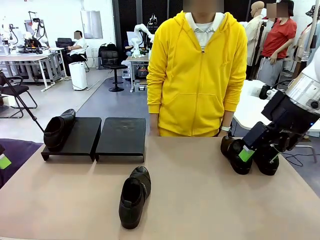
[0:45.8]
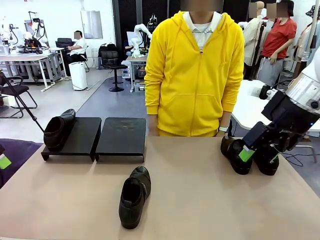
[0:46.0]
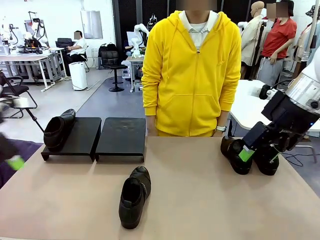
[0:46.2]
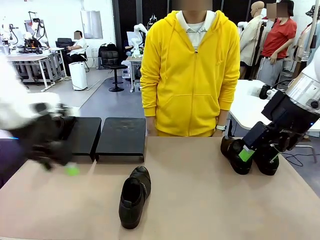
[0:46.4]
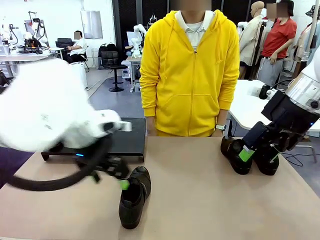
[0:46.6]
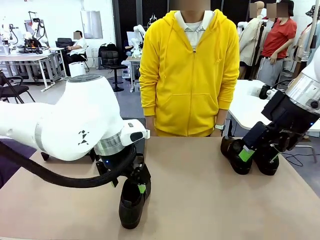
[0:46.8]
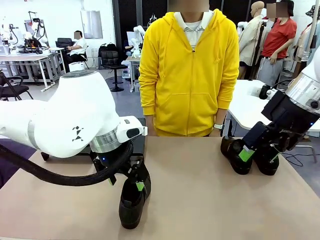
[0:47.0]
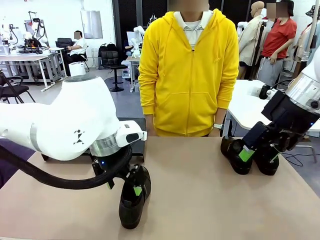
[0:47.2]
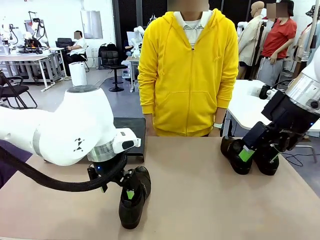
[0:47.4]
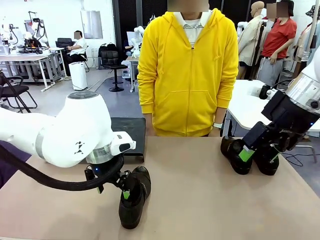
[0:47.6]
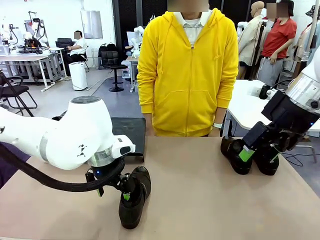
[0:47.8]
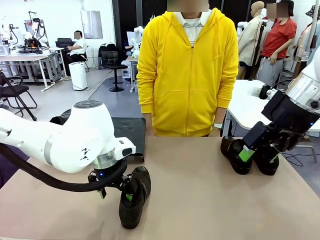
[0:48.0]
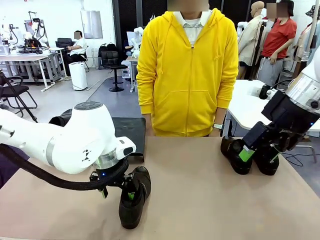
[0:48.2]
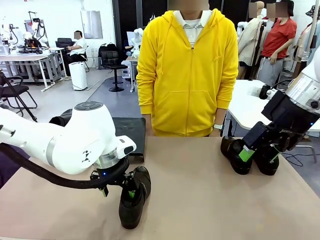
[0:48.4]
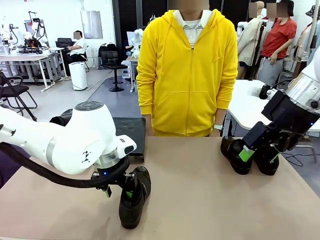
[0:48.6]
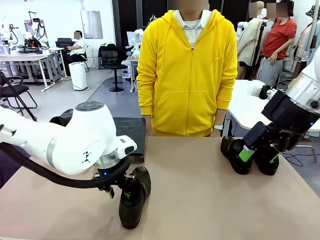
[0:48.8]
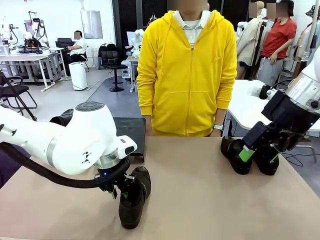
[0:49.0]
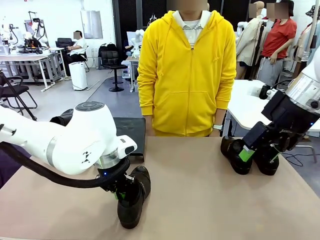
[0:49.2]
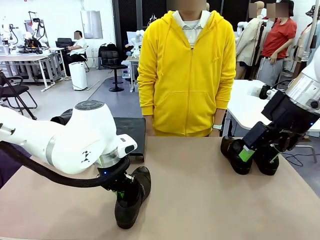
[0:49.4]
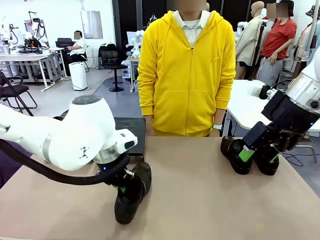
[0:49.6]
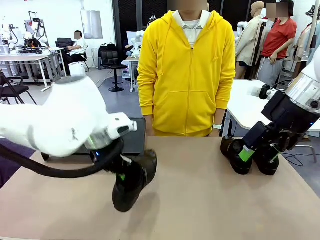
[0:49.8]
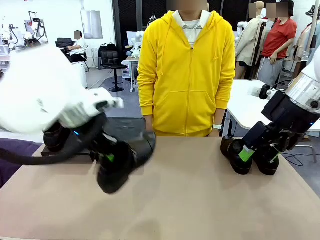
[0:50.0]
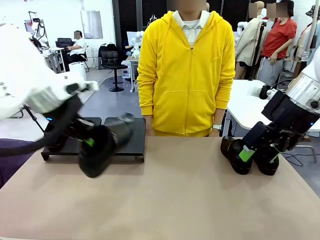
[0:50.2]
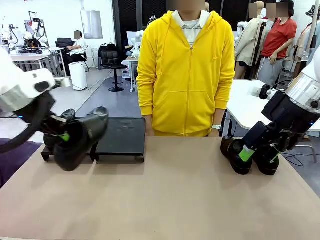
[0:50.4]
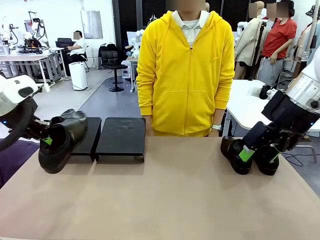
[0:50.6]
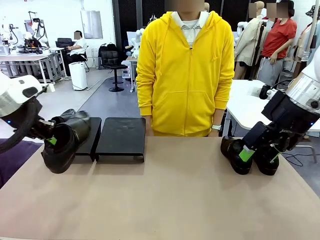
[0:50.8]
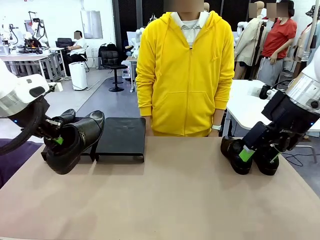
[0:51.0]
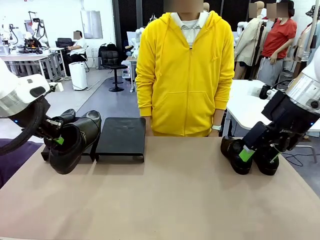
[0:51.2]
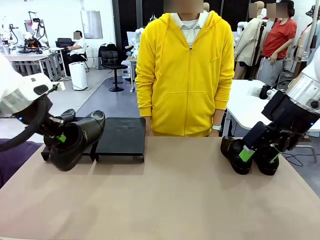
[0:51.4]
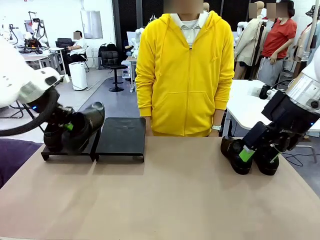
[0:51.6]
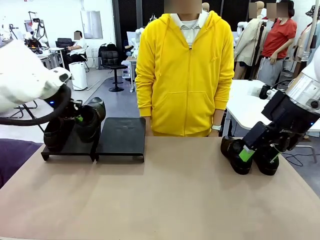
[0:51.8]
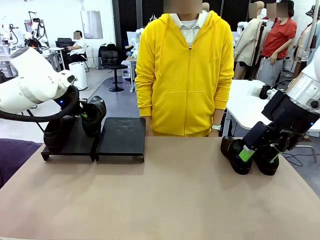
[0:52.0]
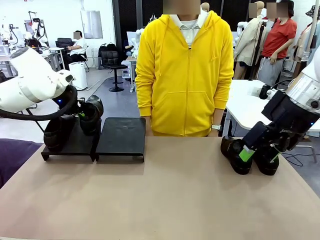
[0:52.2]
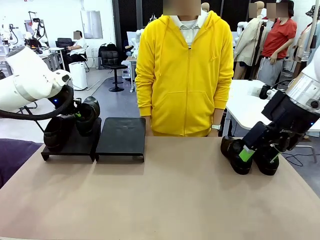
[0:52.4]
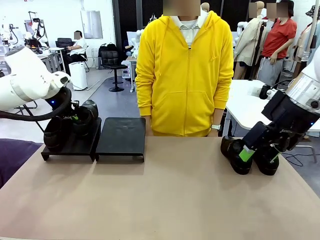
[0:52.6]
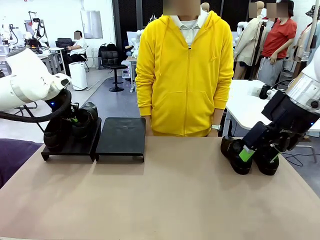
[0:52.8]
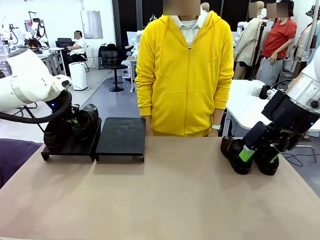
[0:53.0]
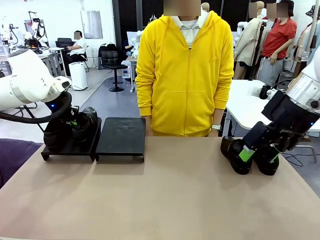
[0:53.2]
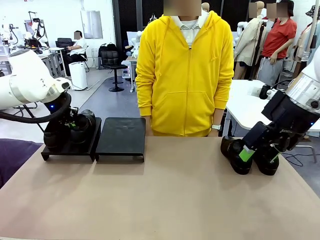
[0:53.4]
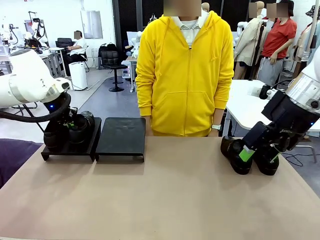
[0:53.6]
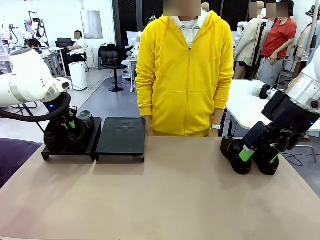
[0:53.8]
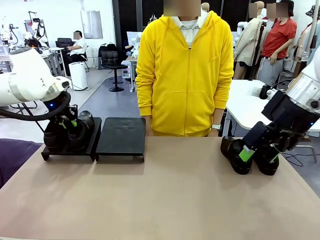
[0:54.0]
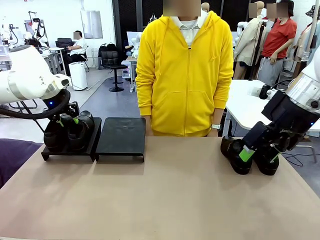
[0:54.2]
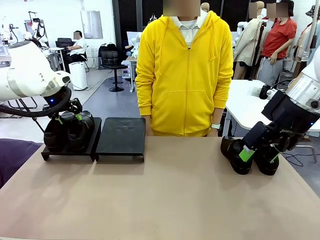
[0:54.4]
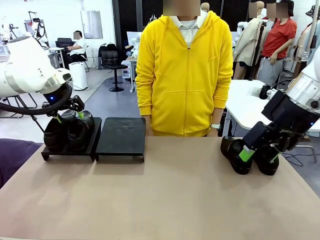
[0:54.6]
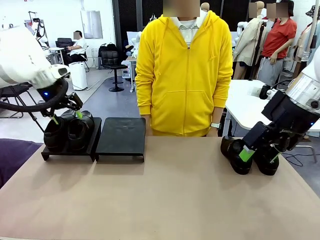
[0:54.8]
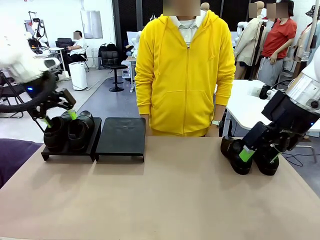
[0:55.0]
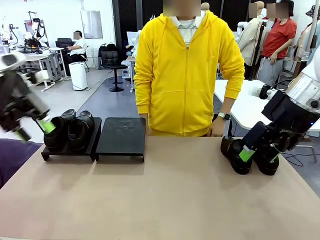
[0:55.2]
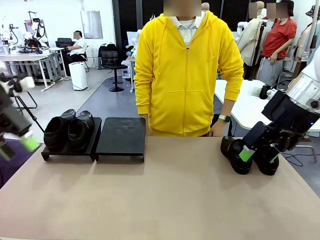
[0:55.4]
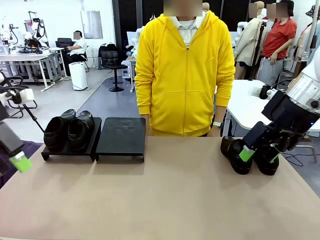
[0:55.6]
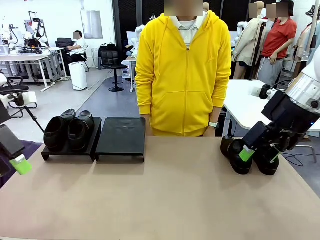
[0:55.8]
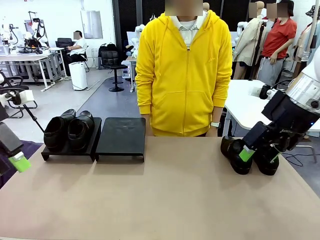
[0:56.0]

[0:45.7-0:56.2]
Task: Organize the shoes by placing them on the stand.
Robot: Place the Shoe from the middle of the table onto the Shoes Stand.

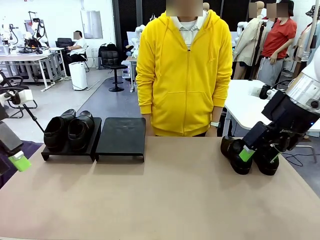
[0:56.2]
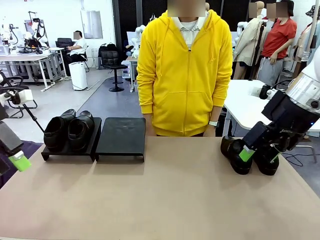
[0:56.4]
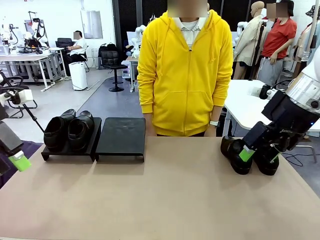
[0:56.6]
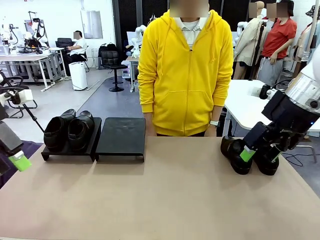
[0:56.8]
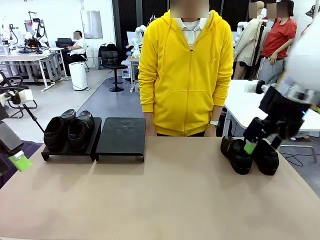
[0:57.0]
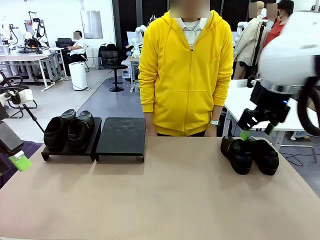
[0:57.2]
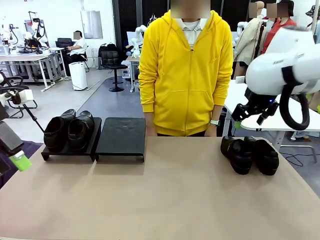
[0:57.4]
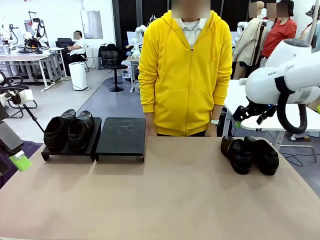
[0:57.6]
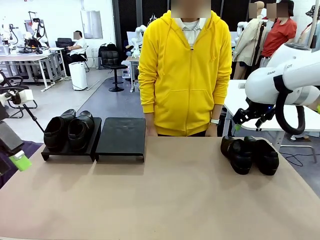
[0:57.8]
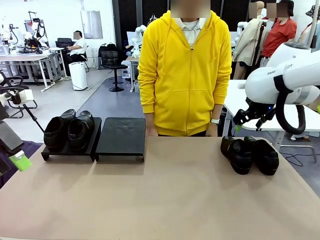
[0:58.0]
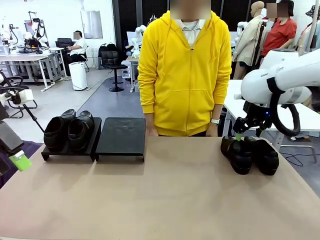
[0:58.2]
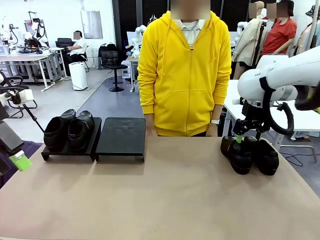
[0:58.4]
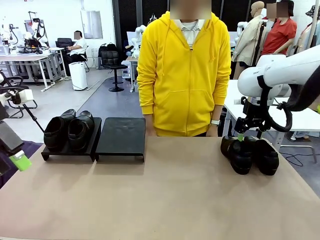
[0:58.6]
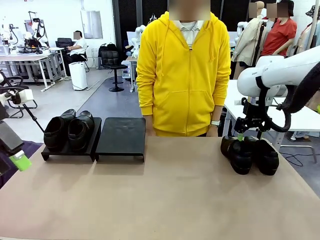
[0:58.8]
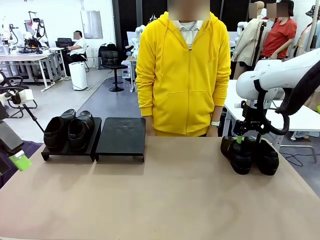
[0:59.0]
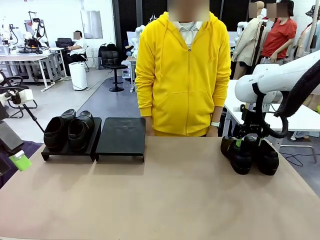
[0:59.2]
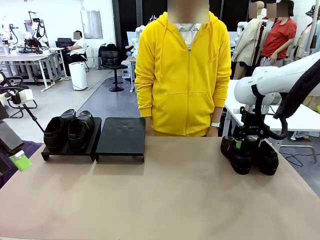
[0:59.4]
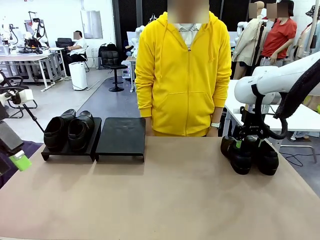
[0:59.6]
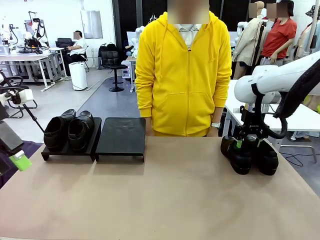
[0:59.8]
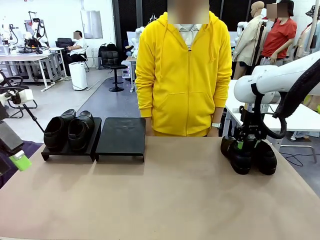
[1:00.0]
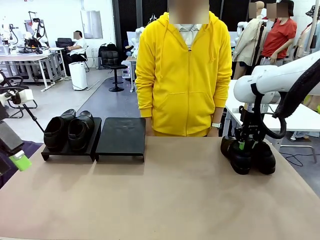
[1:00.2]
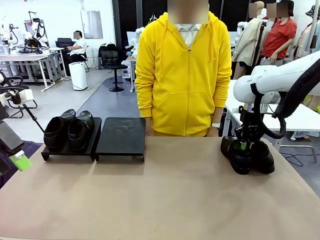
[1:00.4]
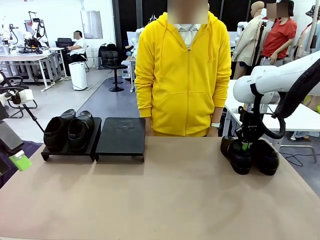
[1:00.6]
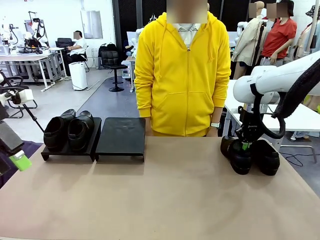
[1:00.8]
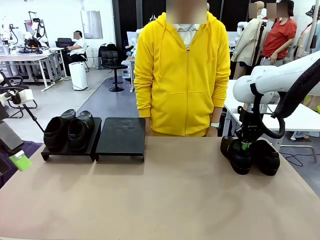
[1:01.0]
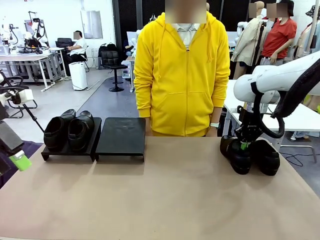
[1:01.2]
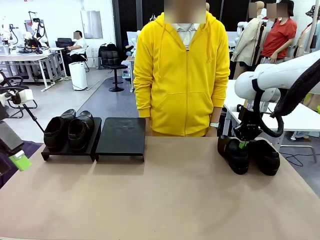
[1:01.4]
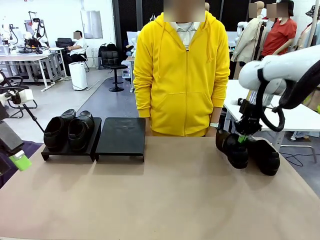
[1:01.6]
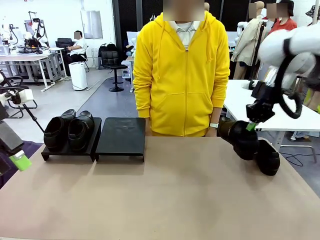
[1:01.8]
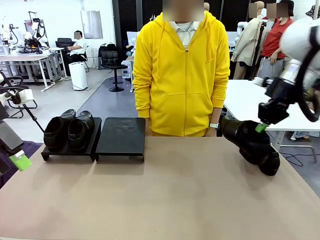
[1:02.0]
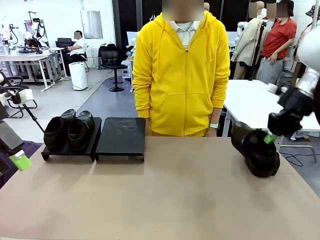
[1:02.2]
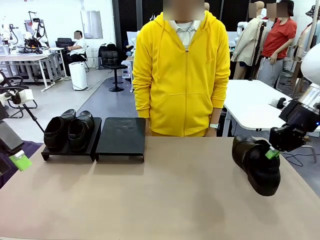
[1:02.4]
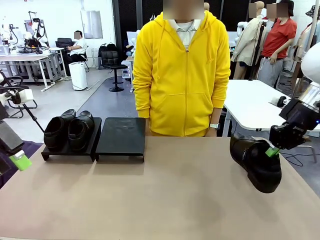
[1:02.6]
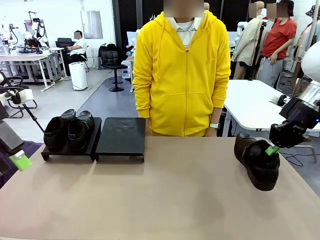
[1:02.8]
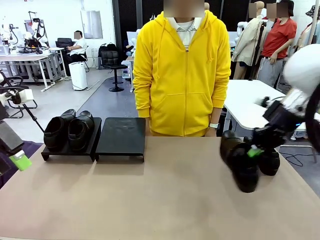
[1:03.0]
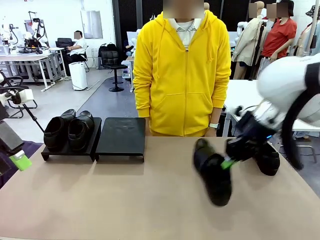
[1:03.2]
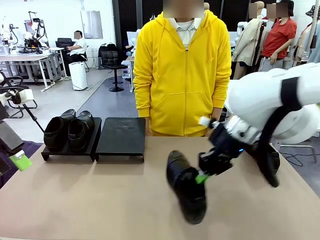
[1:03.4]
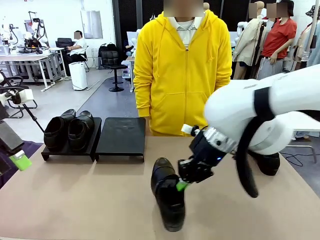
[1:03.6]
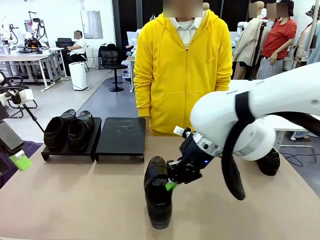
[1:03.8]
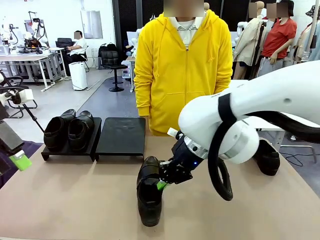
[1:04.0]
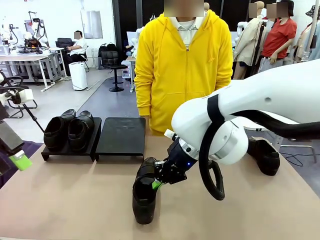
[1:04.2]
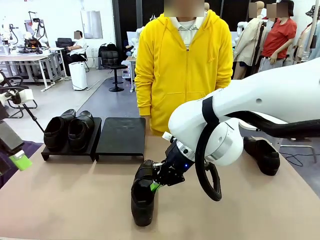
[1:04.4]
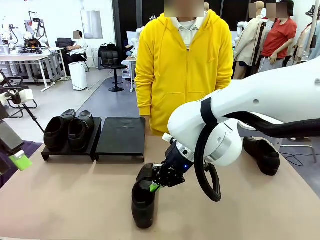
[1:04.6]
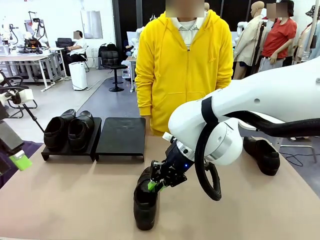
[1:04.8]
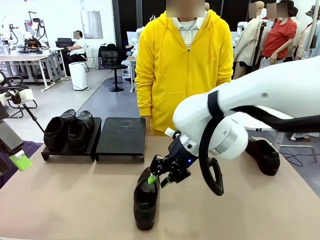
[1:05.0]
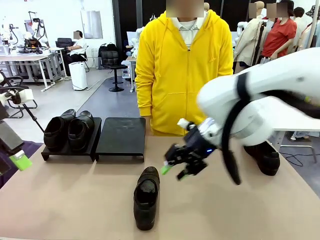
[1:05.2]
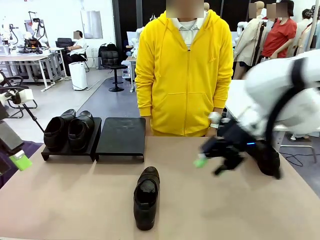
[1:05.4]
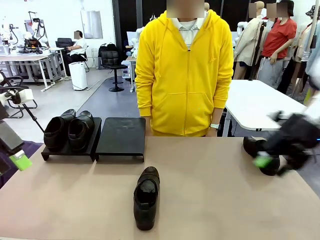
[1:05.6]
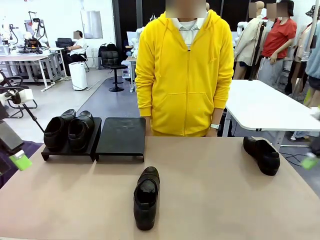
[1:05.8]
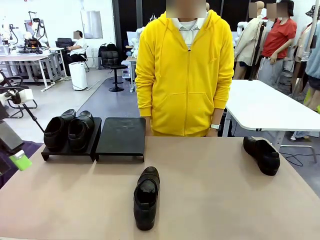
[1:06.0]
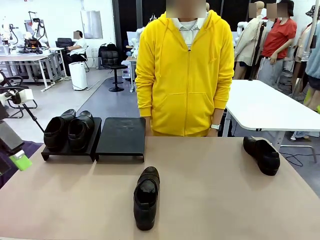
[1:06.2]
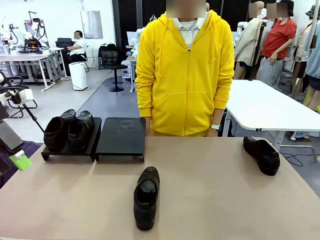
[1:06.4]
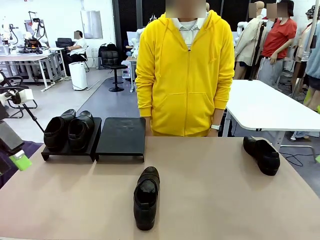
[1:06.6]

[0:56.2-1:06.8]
Robot: Pick up one Shoe and place it in the middle of the table.
